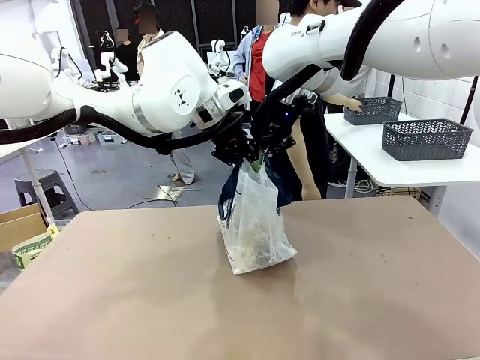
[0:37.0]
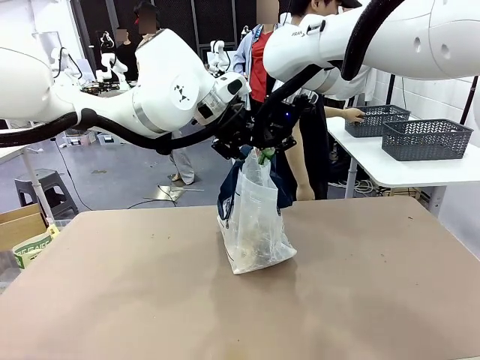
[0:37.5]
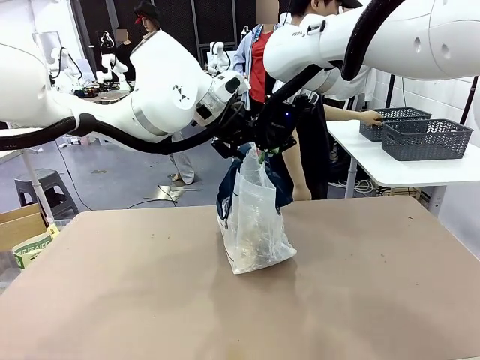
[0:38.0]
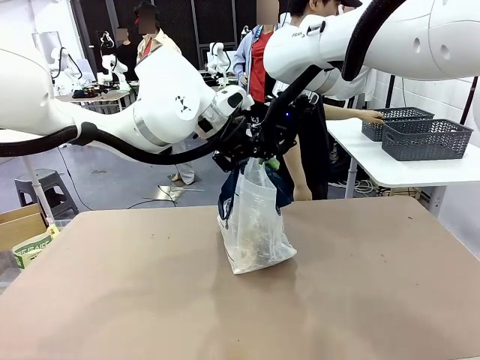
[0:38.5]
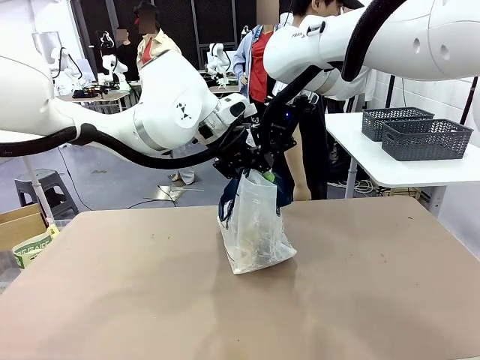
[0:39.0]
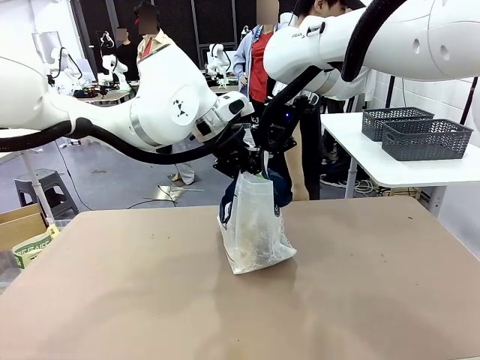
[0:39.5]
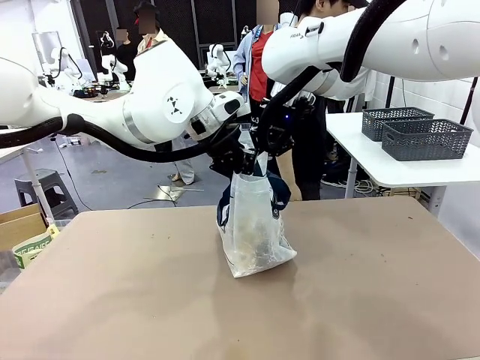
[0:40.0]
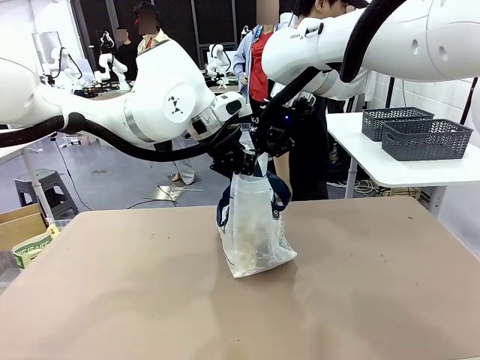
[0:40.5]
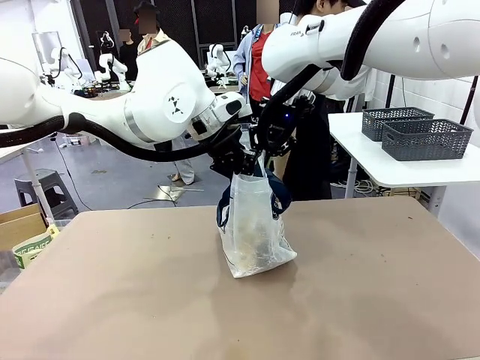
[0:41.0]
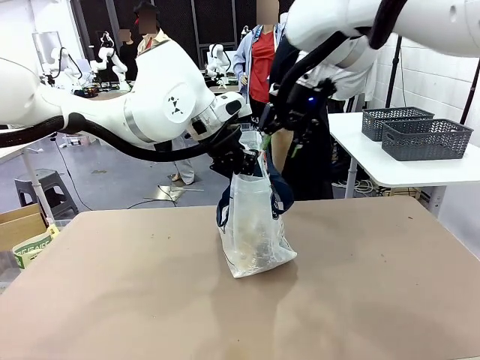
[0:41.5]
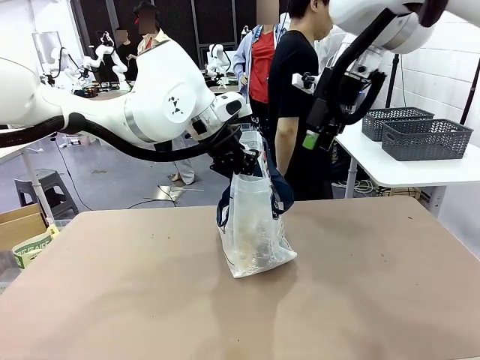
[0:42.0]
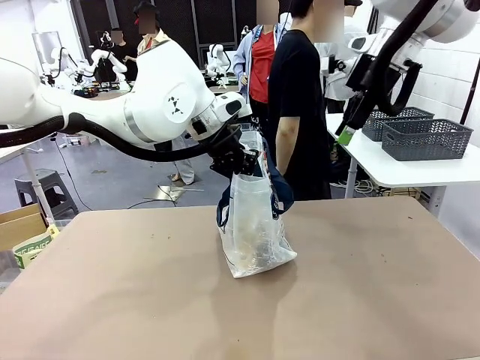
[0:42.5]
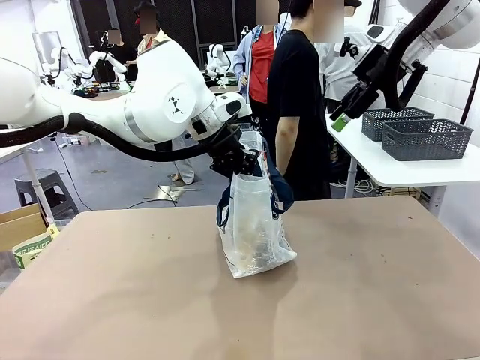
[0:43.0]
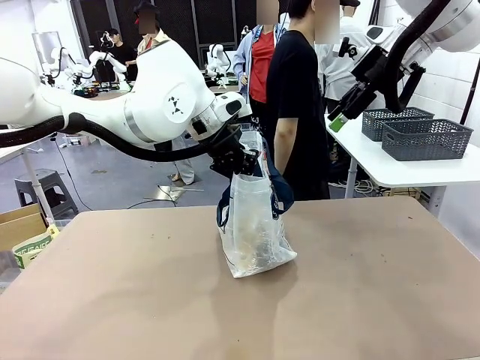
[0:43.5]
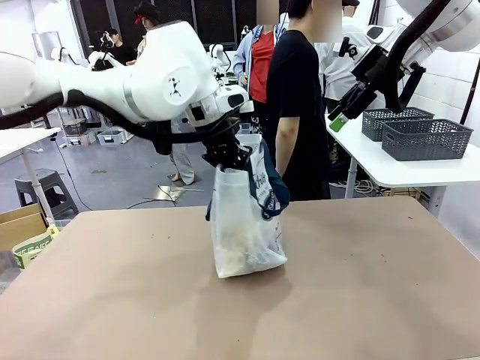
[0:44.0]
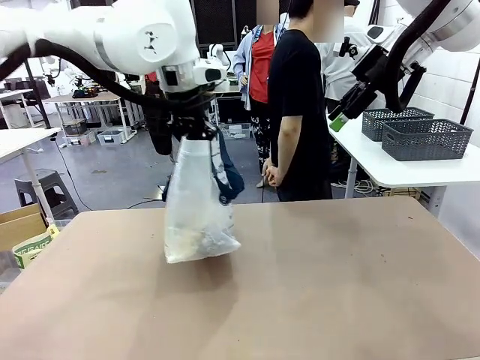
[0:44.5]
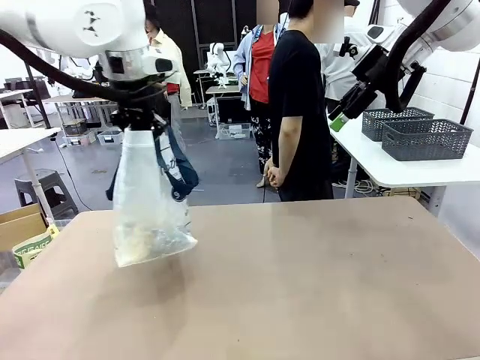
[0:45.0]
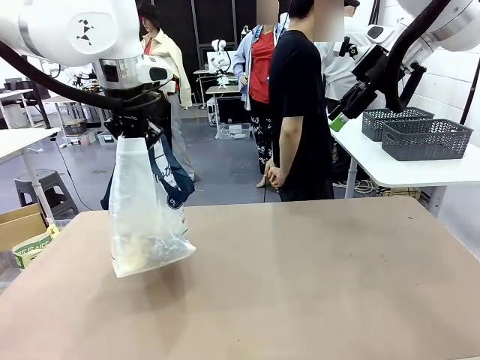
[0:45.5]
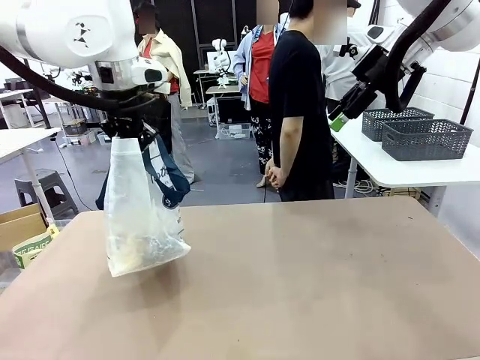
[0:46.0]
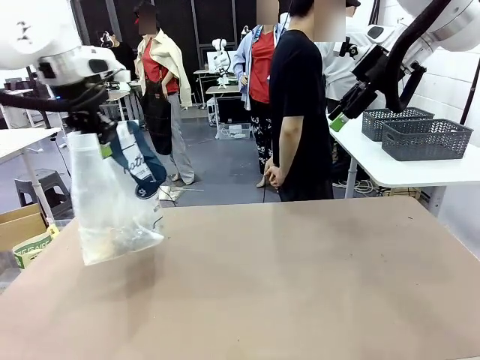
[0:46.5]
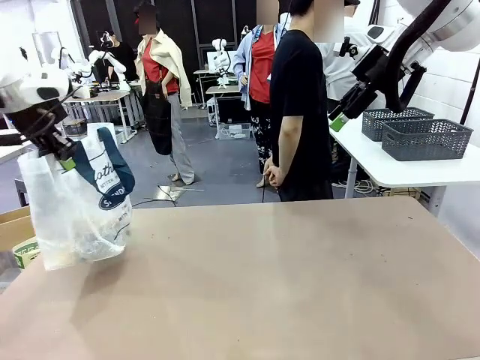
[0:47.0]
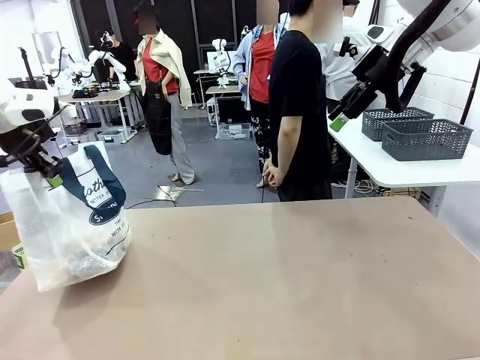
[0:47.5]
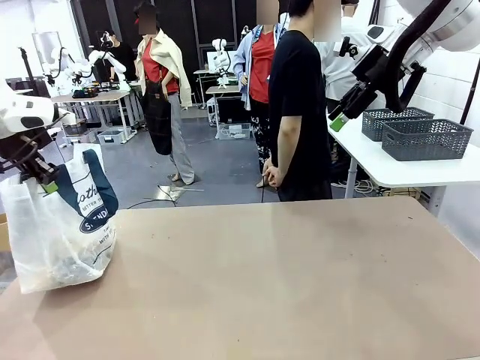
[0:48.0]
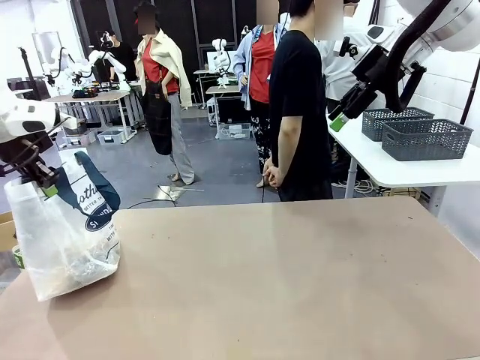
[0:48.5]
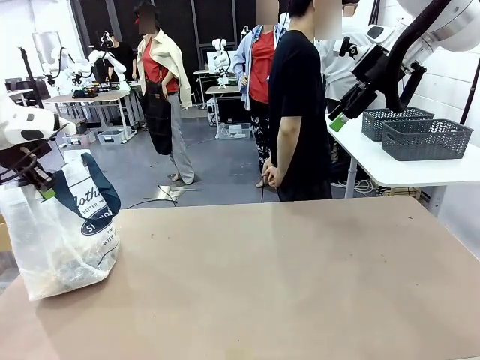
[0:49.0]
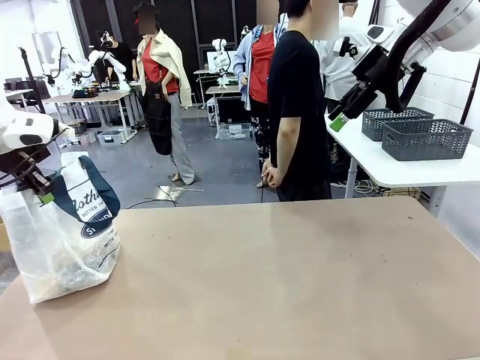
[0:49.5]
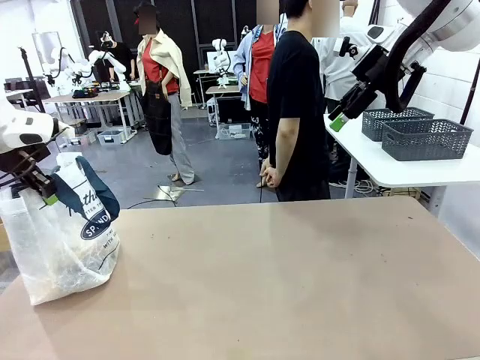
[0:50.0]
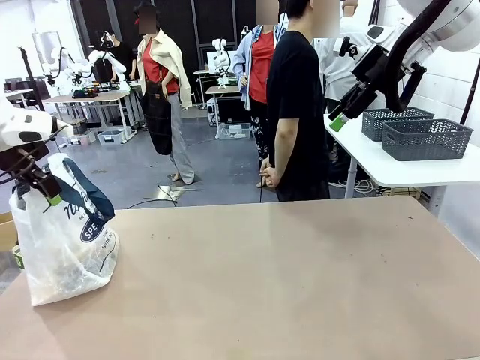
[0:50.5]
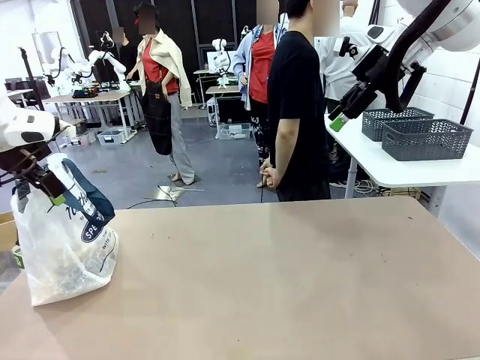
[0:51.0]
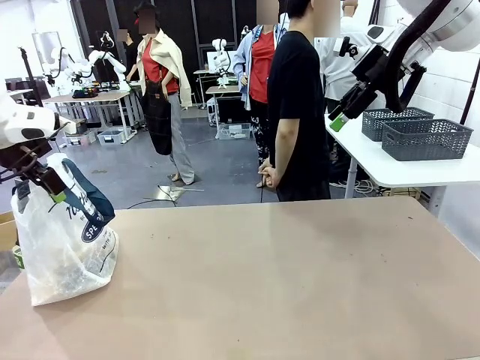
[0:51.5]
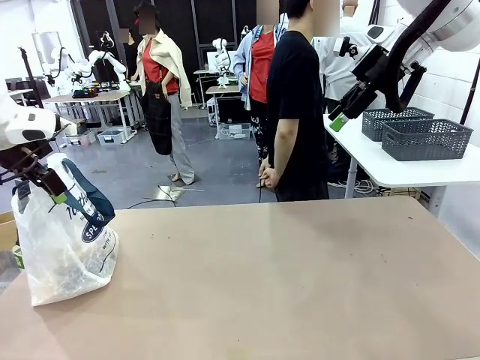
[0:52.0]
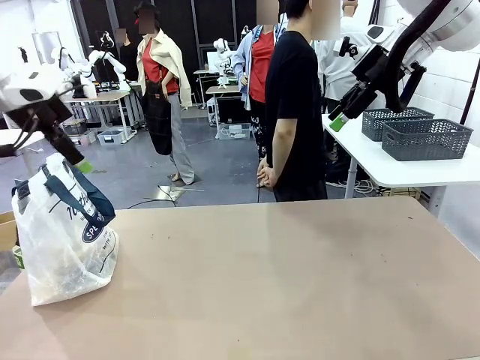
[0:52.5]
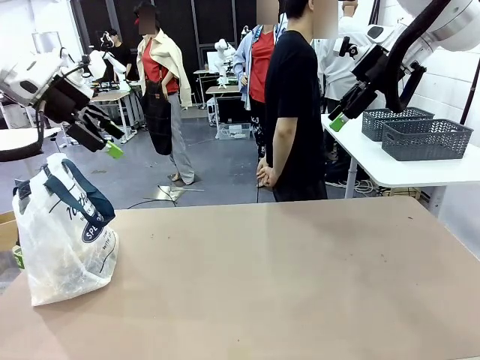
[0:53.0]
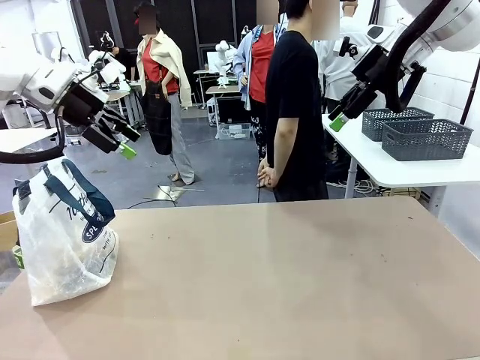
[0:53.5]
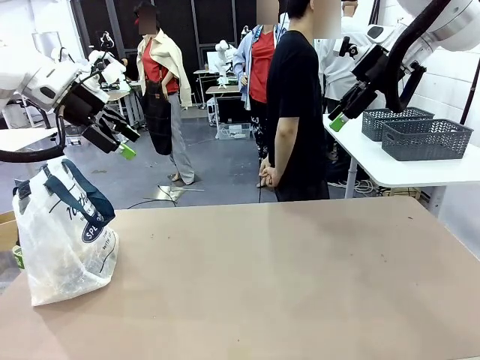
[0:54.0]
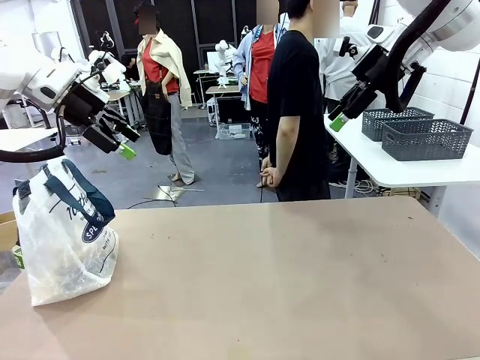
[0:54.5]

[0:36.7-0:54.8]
Task: Transfer purchased items from the store into the shopping bag.
Robot: Move the Reusable shopping bag to the right side of the table.
Person: Move the basket on the left to the middle of the person's table.
